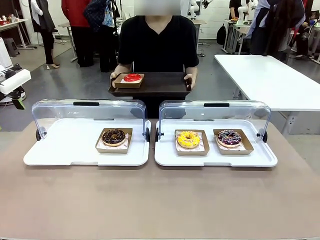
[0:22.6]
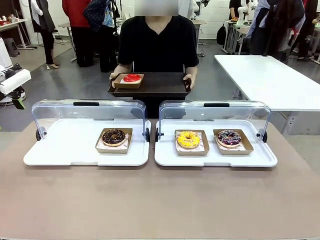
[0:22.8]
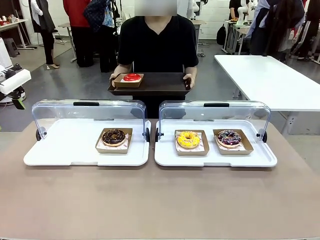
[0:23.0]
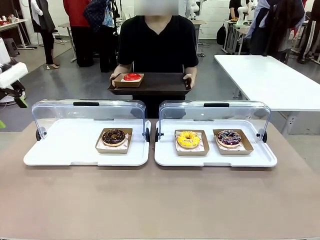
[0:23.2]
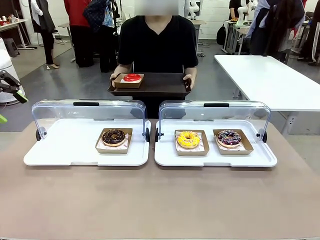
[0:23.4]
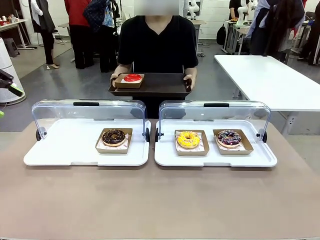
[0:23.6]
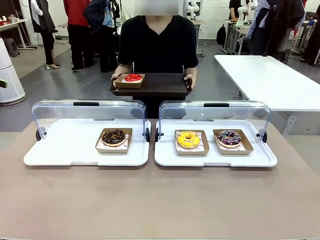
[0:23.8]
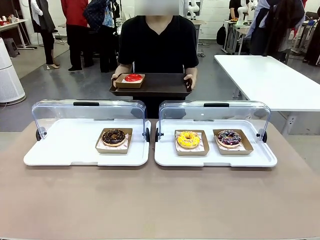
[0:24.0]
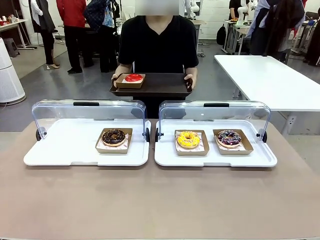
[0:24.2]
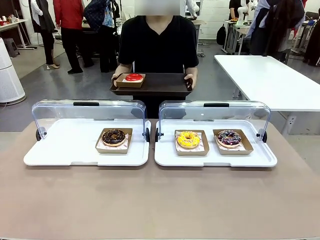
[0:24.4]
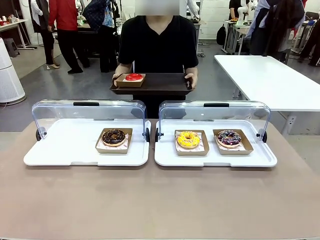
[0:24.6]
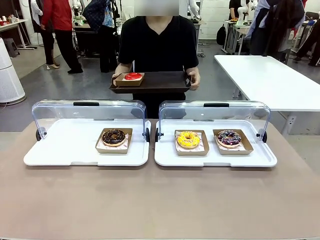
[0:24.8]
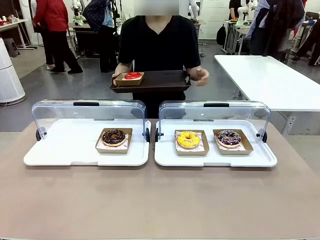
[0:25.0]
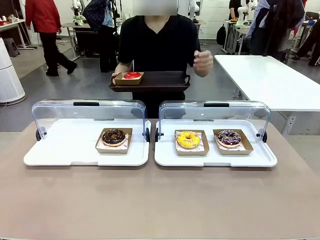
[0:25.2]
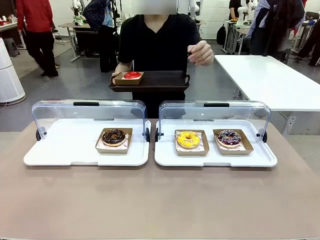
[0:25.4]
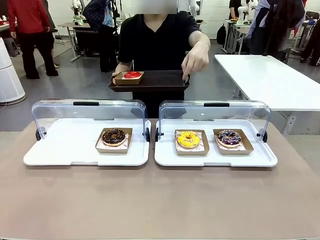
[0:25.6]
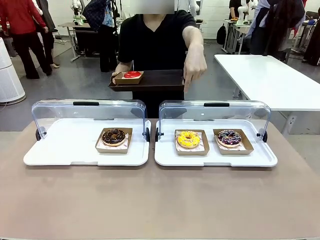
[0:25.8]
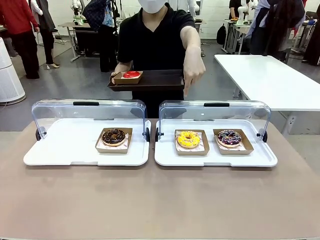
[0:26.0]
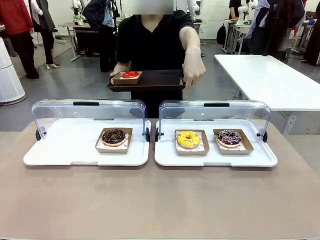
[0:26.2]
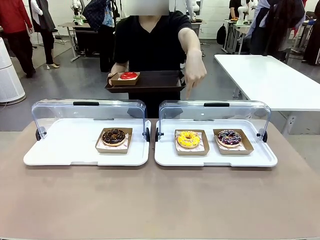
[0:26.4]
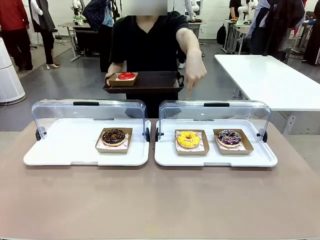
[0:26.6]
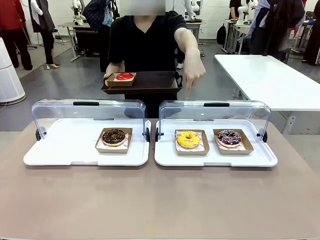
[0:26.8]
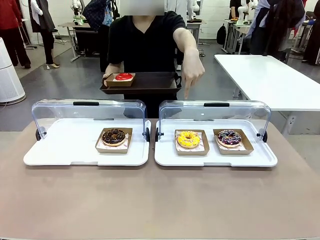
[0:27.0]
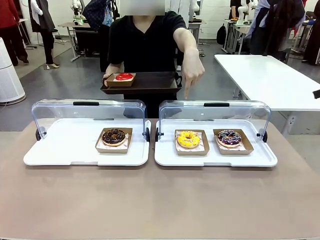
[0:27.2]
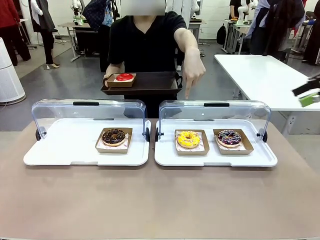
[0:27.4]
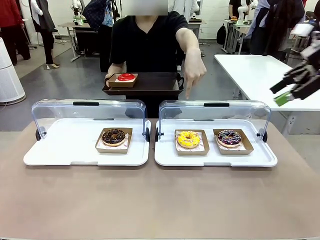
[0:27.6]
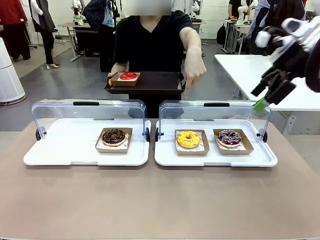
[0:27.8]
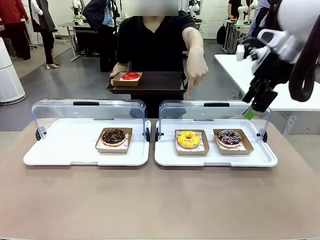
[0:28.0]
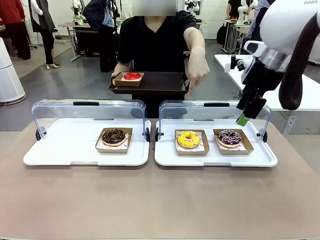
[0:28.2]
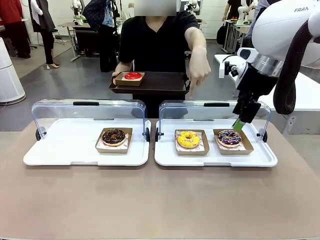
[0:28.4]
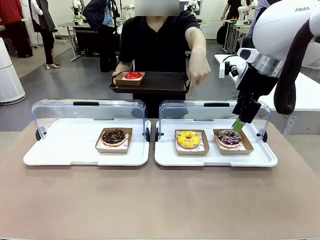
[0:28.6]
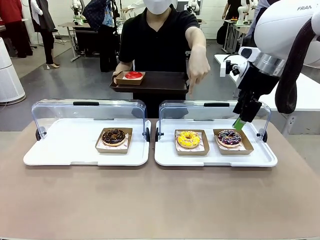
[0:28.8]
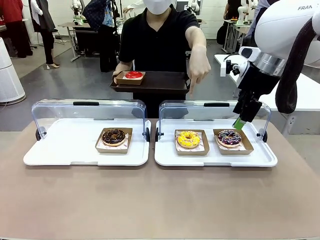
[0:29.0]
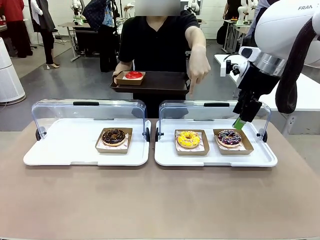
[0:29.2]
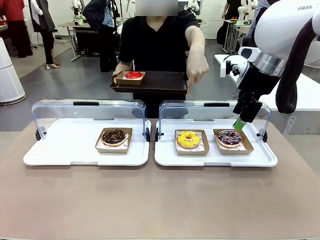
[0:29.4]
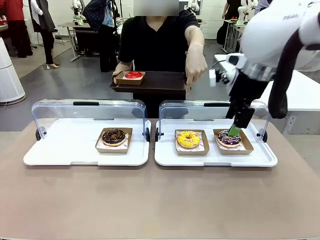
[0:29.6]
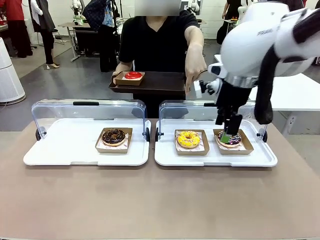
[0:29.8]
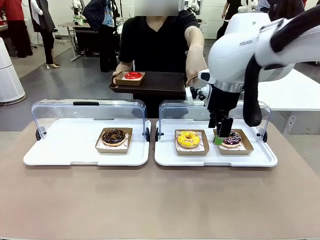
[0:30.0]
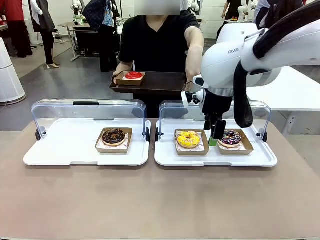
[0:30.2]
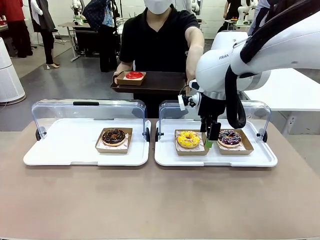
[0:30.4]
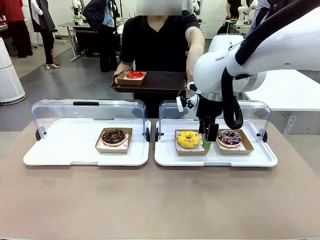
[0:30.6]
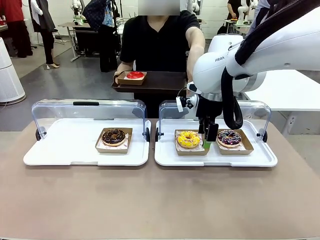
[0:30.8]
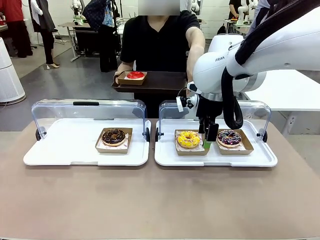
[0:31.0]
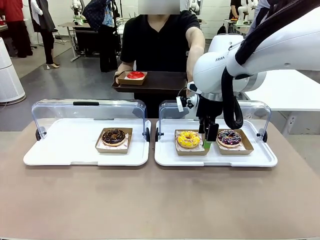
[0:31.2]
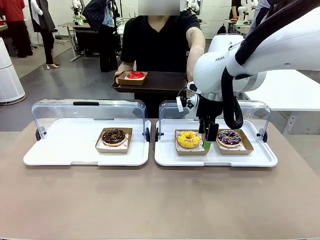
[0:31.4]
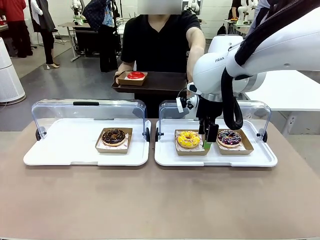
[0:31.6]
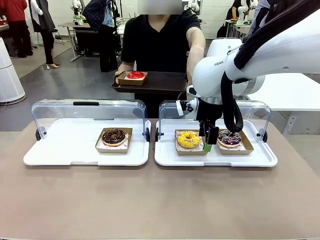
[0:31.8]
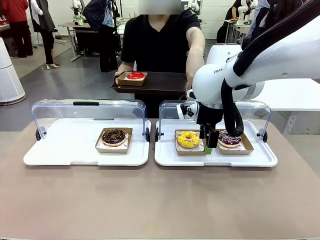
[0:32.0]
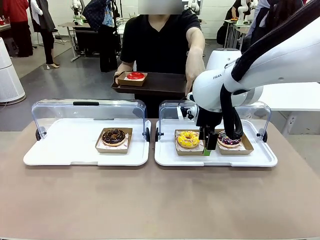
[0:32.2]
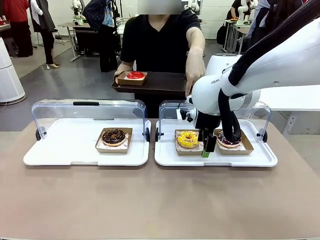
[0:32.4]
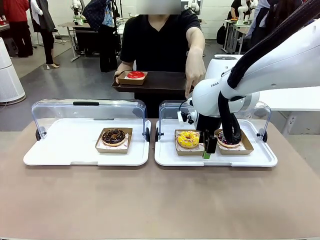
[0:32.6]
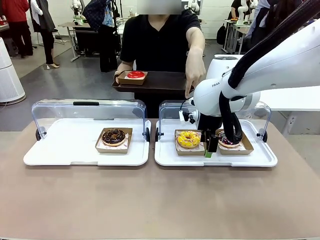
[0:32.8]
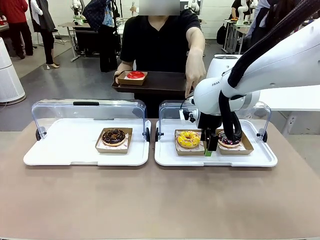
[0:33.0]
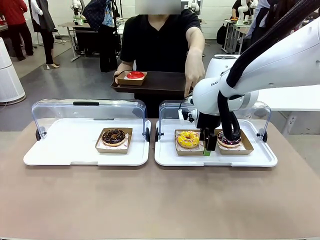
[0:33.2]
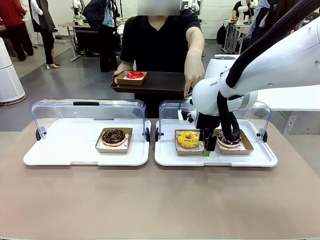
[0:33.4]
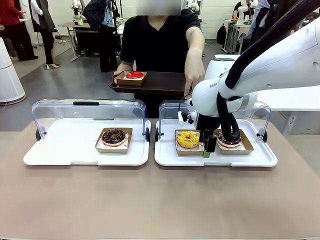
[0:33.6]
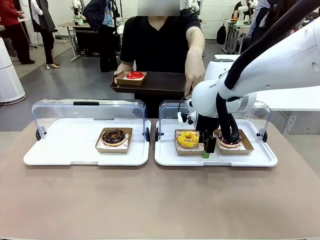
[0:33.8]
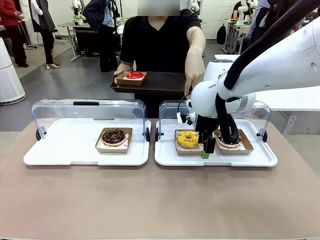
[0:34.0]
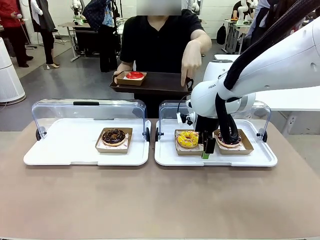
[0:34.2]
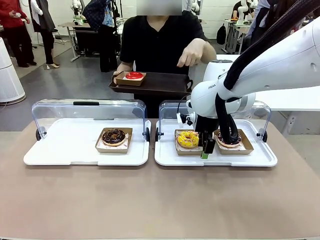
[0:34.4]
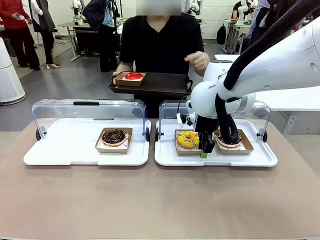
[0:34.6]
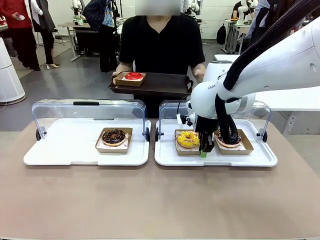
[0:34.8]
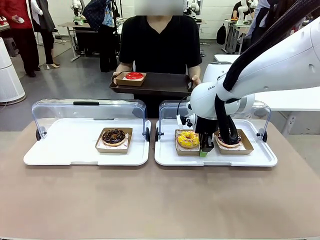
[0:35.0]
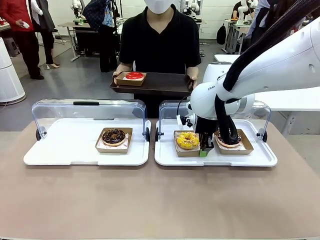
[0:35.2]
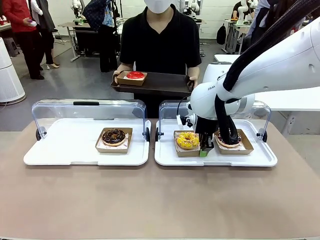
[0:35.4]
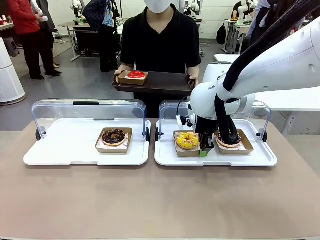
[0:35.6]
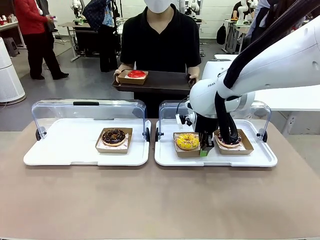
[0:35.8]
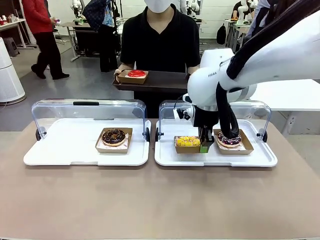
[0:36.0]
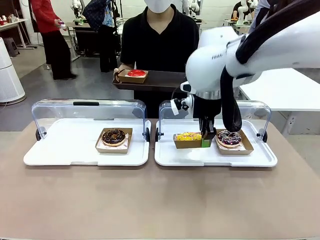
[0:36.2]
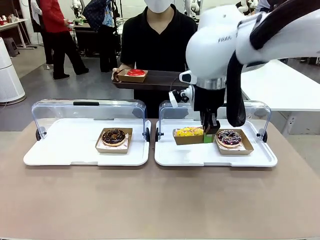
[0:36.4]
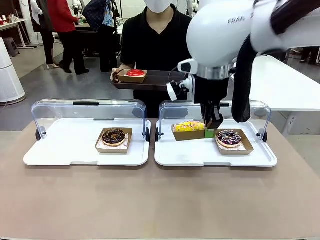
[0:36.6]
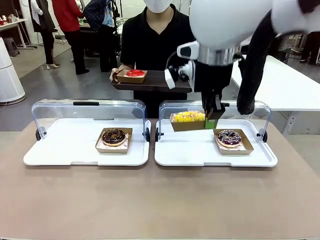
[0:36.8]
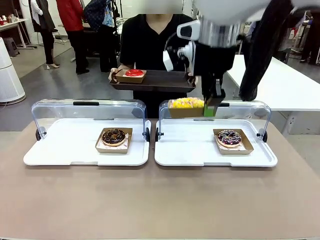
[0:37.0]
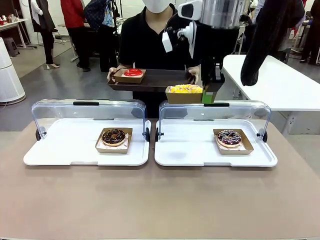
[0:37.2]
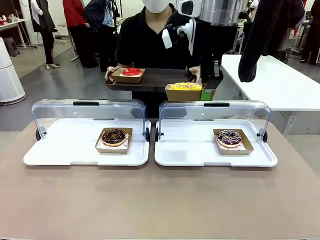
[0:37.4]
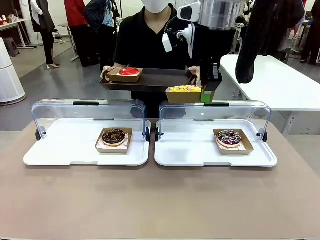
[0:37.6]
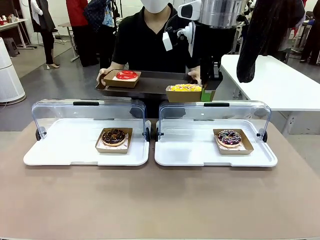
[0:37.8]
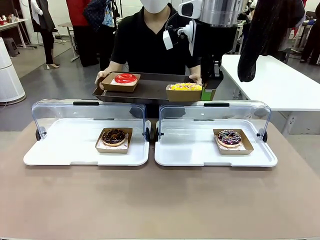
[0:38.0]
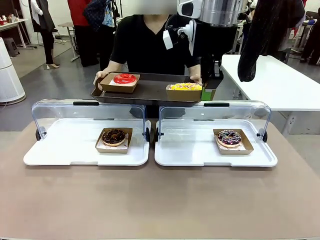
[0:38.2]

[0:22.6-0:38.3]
Task: Provide the desired donut to the person.
Robot: Pick up and lift the Paper togo box containing the Donut pointed at by the person.
Person: Point to one donut. Lift the tray onto the Roll-Top Bakery Case.
